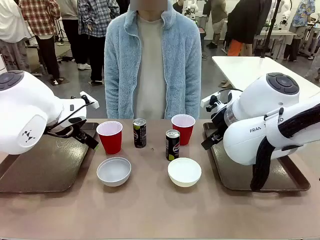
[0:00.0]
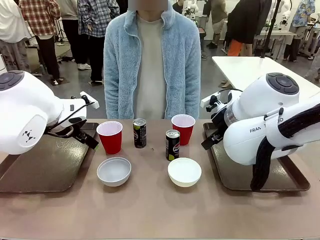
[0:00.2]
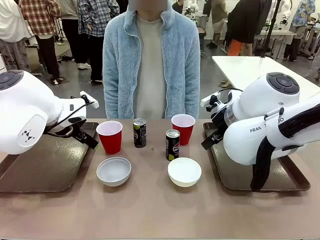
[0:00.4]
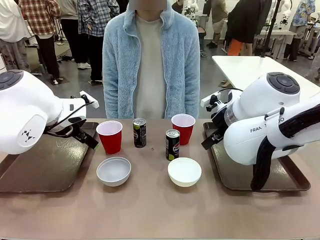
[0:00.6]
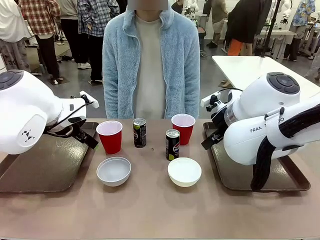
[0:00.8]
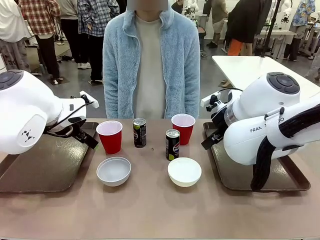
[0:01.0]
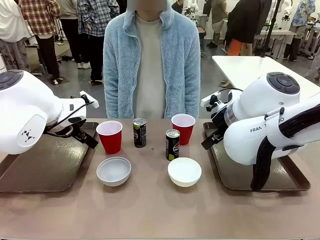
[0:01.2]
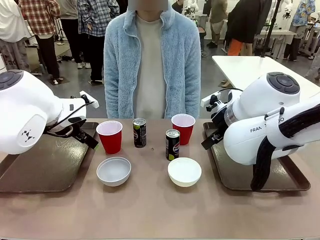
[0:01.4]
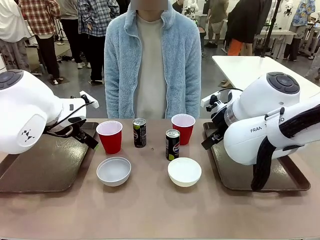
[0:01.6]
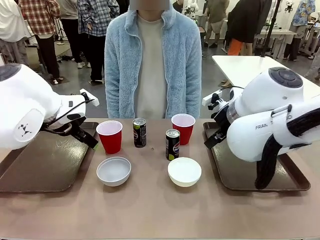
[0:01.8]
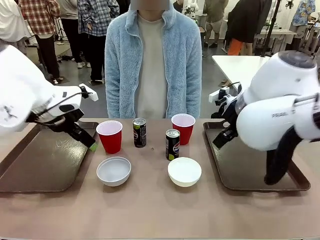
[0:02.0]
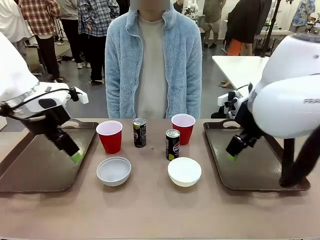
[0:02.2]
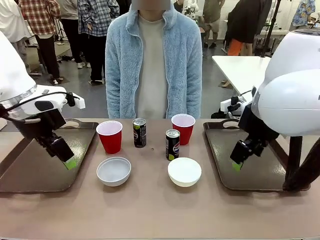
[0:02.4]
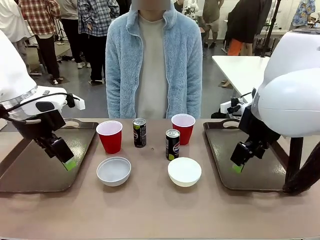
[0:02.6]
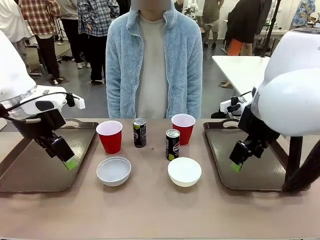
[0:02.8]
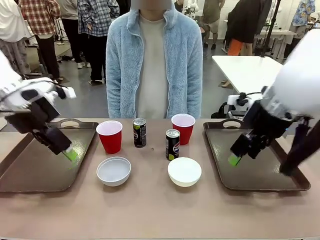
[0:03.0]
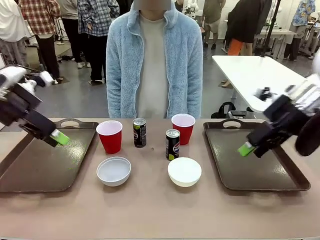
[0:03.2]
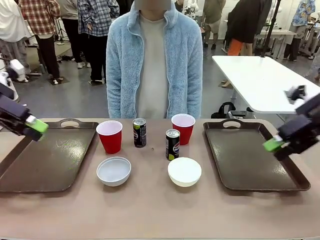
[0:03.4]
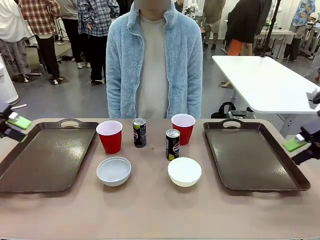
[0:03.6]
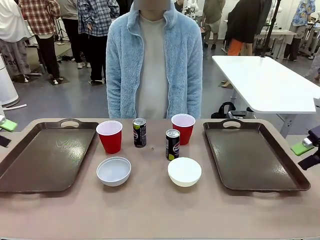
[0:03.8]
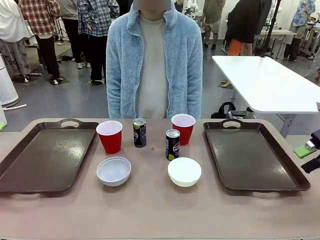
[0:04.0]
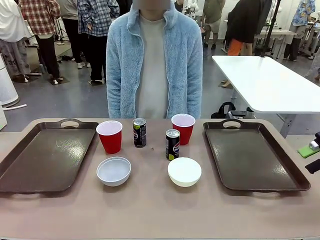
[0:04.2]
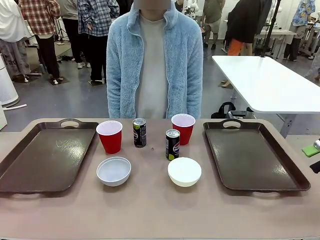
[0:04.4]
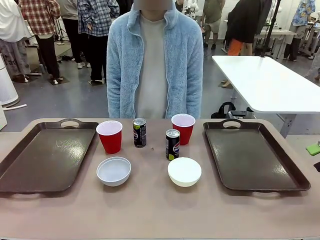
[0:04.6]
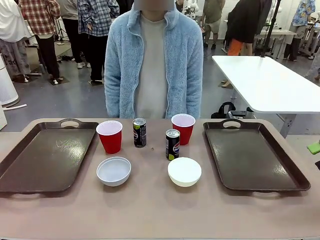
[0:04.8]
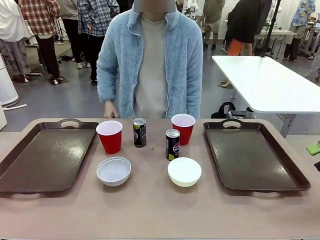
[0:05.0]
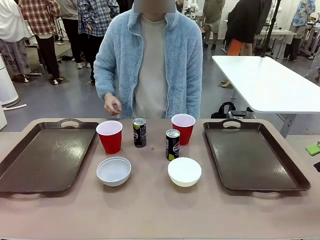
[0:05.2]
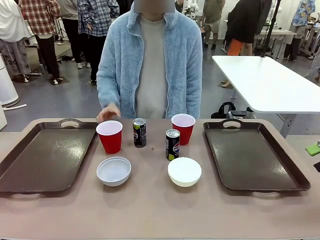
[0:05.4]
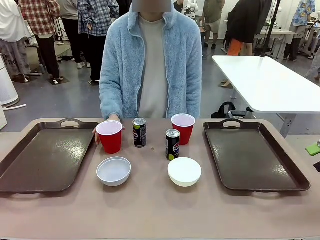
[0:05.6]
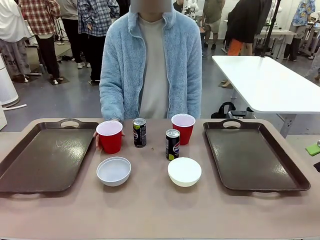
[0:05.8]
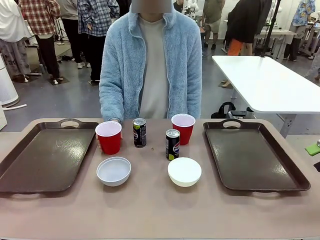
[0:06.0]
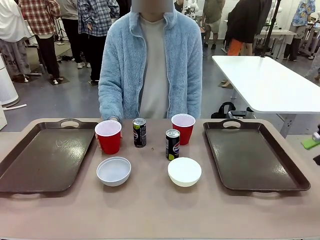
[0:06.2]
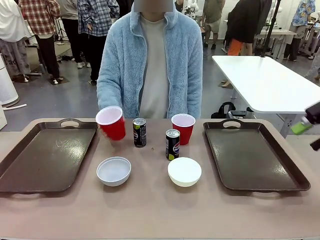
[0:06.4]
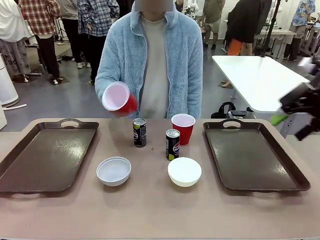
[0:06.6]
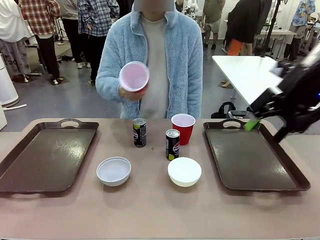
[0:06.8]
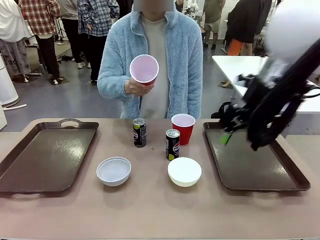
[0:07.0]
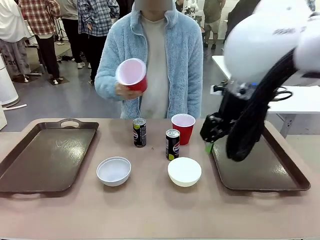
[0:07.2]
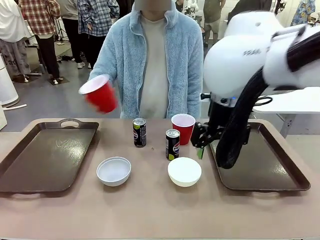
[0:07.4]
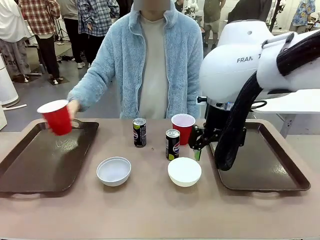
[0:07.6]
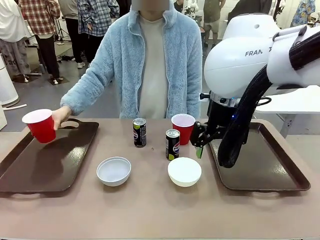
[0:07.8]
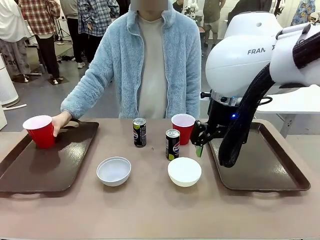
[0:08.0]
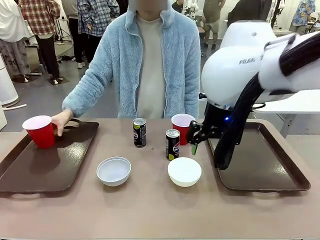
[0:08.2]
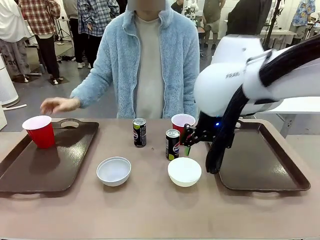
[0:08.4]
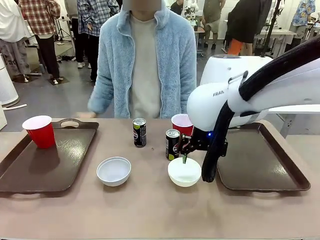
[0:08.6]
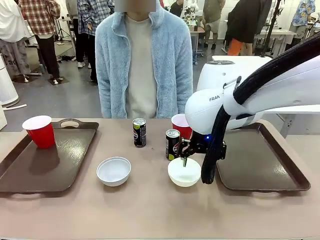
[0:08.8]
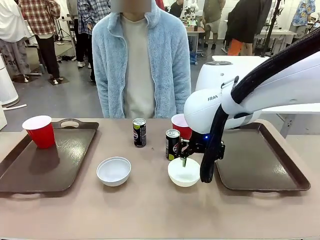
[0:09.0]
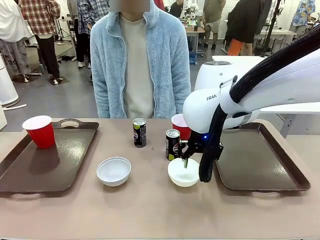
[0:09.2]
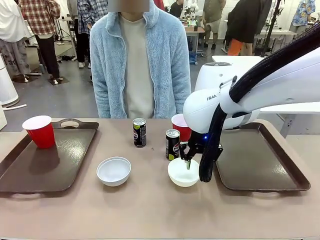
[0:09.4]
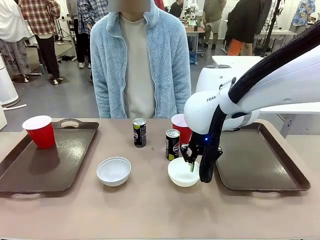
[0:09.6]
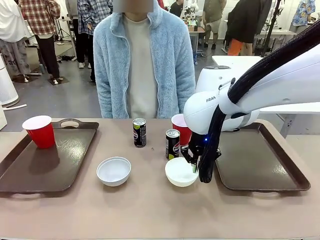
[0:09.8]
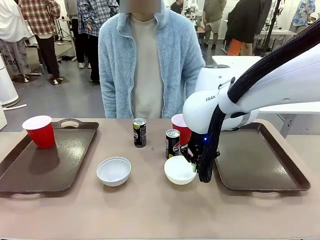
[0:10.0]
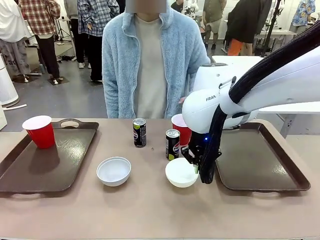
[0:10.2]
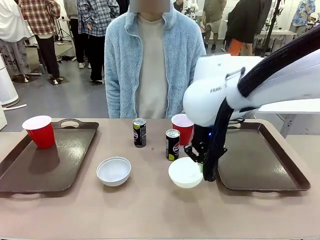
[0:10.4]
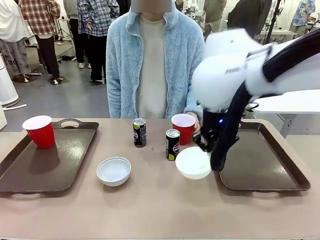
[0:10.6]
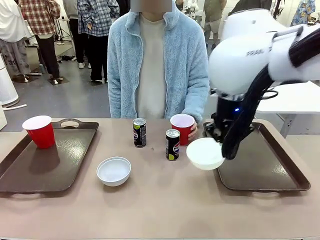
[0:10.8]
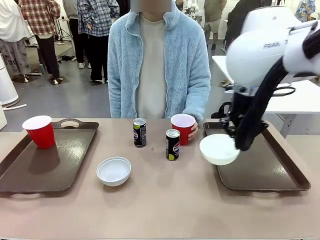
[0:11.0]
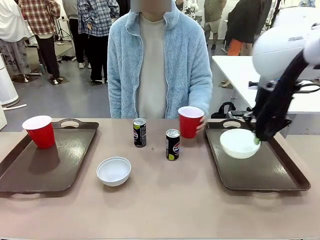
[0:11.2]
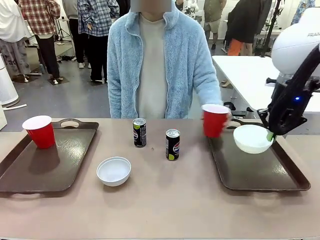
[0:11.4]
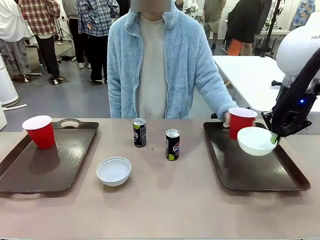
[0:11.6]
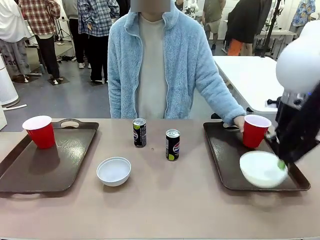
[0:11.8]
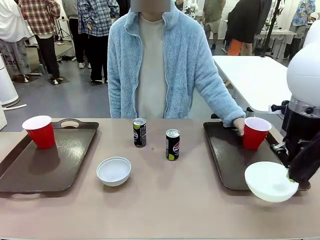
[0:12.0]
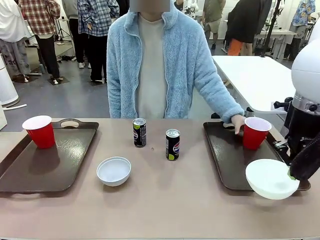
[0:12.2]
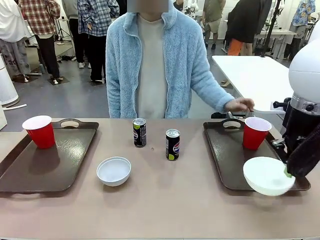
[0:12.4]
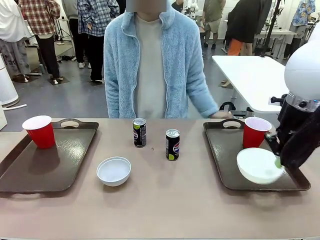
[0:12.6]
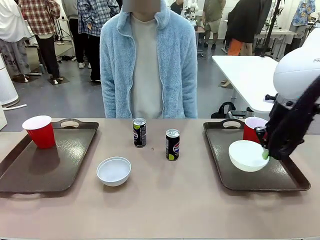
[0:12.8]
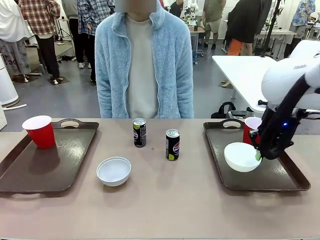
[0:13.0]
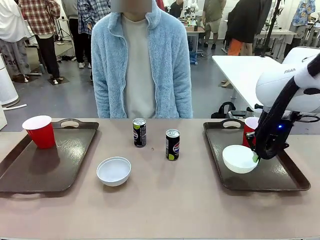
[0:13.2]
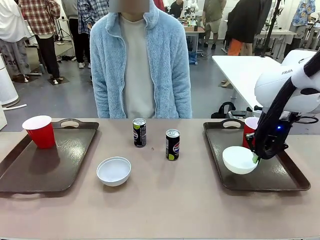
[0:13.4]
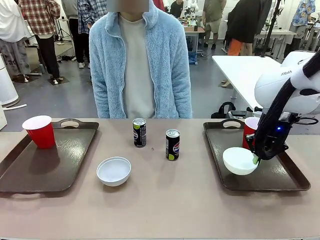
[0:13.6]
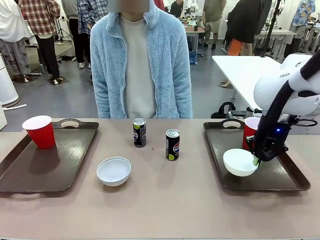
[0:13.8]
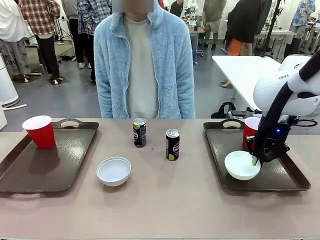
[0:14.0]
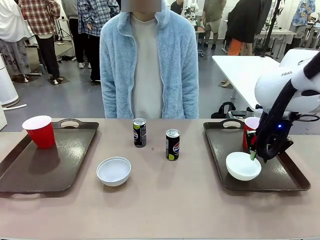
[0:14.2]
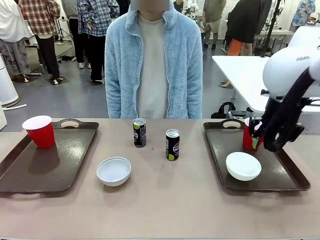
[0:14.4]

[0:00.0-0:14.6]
Task: Prepare tableware on both trays.
Robot: Pick up a Picnic Bowl from the table and place it on a Handle tray.
Person: Pick up a can or cup and place it on the tray.
